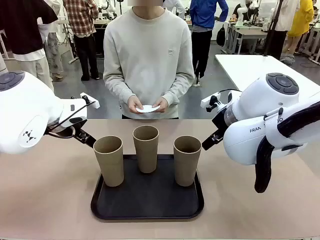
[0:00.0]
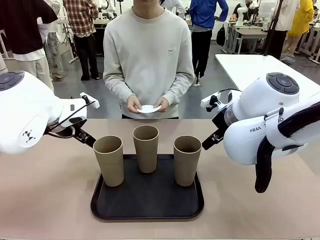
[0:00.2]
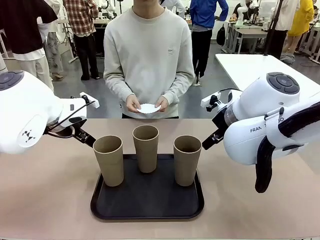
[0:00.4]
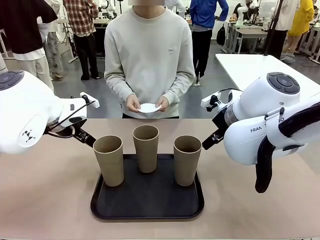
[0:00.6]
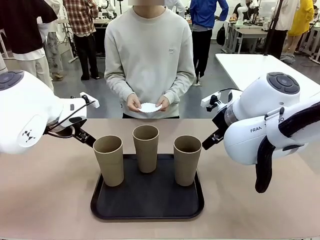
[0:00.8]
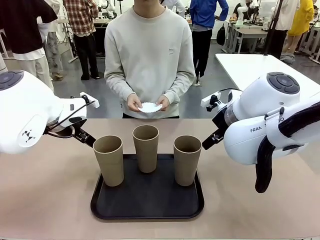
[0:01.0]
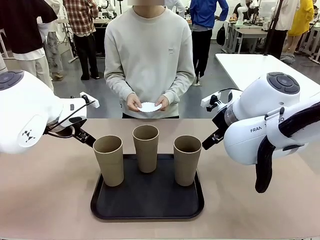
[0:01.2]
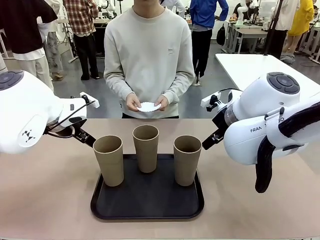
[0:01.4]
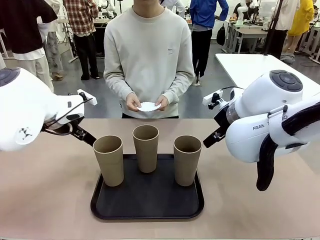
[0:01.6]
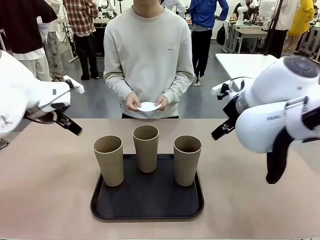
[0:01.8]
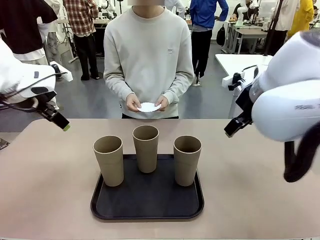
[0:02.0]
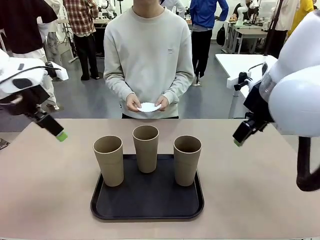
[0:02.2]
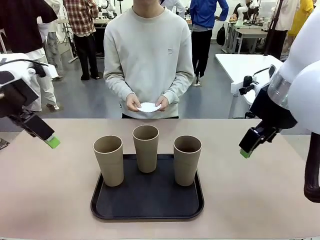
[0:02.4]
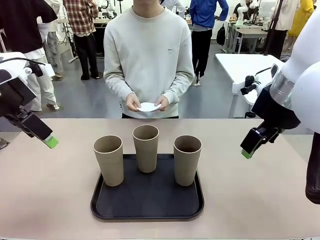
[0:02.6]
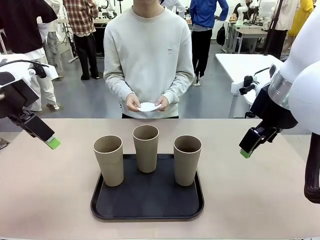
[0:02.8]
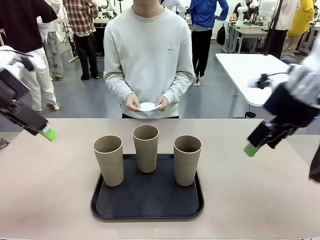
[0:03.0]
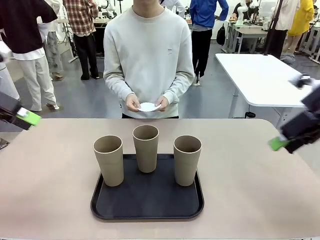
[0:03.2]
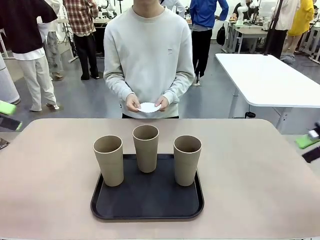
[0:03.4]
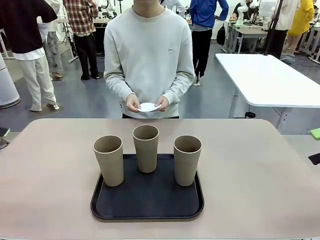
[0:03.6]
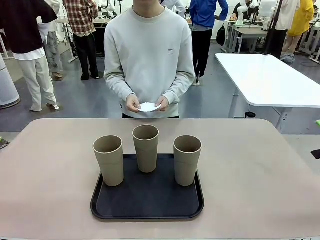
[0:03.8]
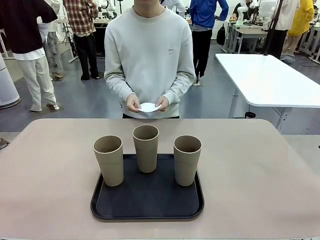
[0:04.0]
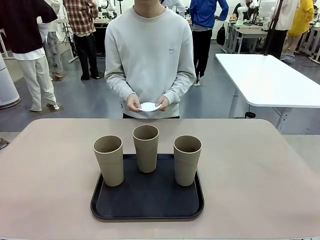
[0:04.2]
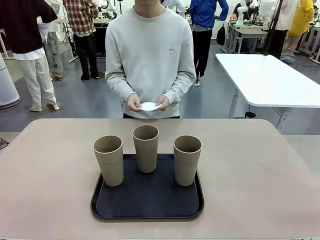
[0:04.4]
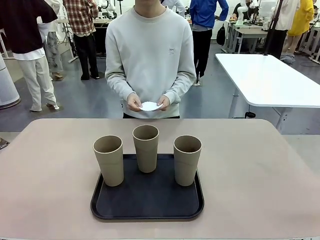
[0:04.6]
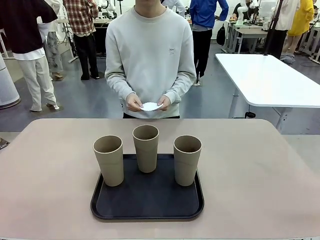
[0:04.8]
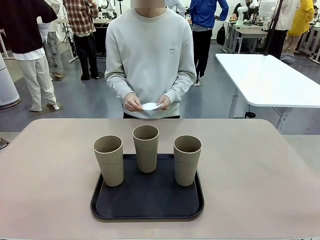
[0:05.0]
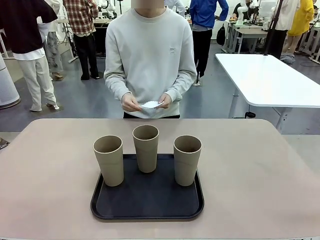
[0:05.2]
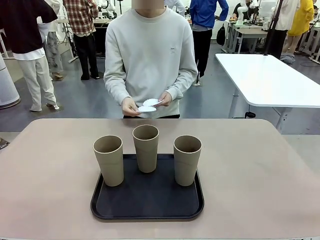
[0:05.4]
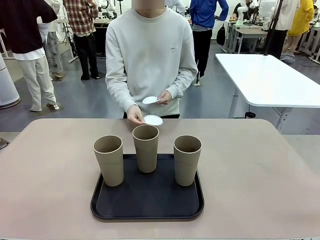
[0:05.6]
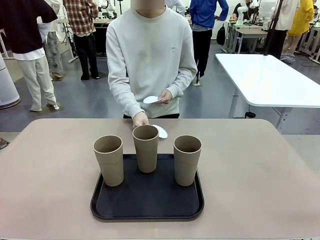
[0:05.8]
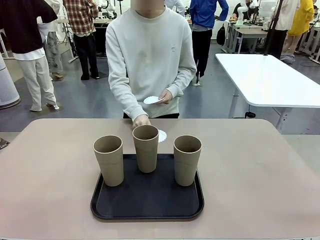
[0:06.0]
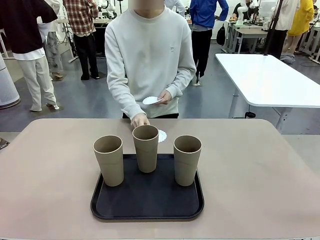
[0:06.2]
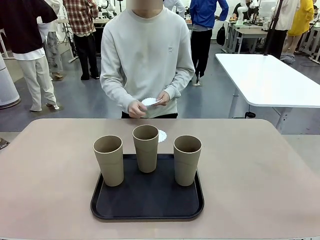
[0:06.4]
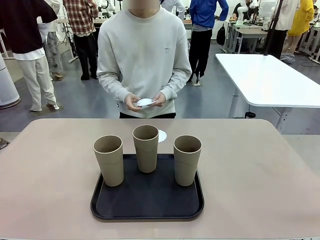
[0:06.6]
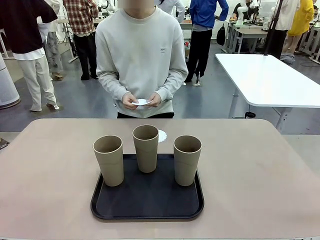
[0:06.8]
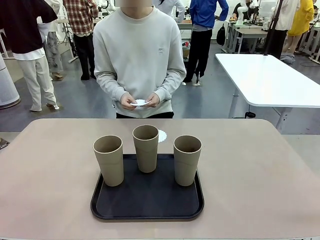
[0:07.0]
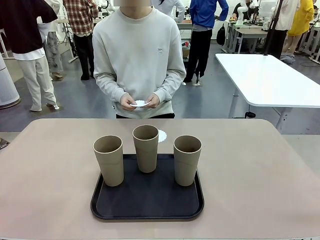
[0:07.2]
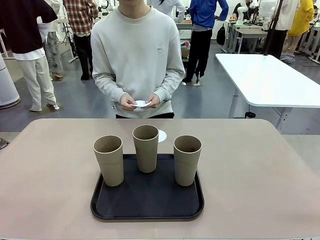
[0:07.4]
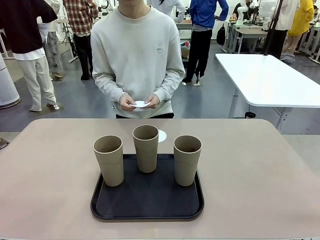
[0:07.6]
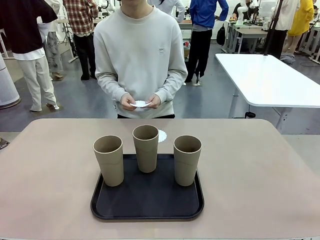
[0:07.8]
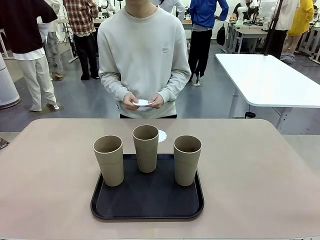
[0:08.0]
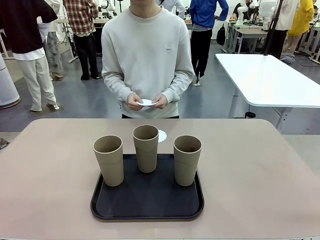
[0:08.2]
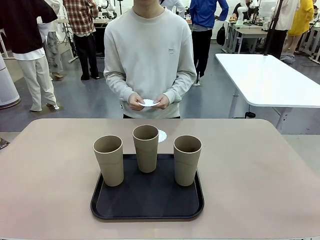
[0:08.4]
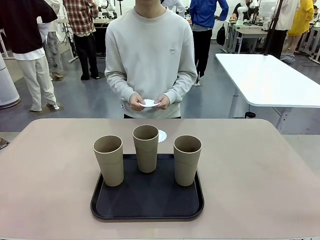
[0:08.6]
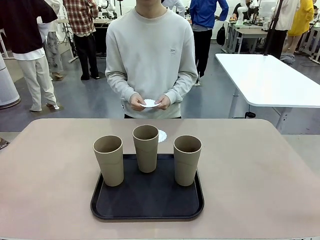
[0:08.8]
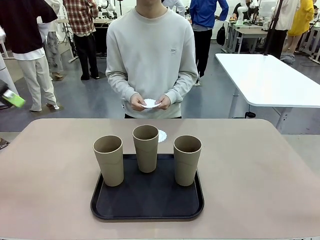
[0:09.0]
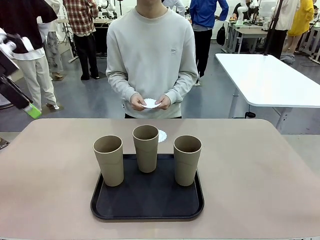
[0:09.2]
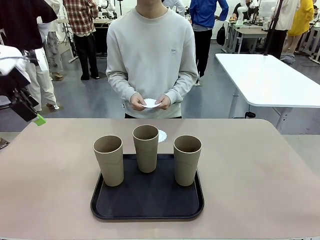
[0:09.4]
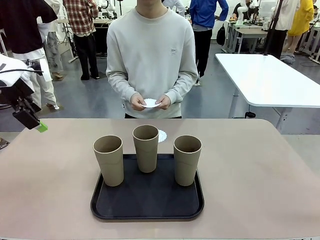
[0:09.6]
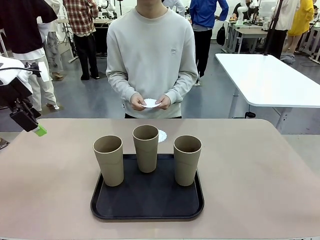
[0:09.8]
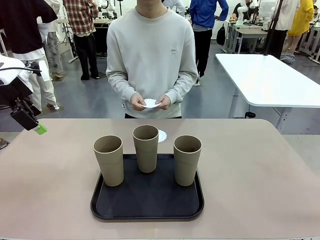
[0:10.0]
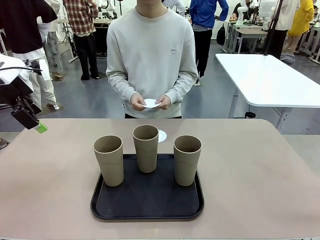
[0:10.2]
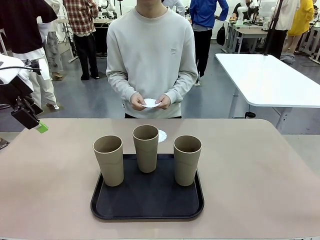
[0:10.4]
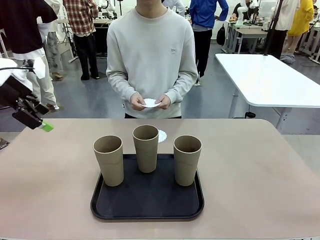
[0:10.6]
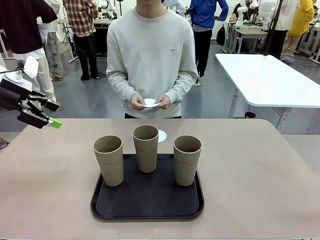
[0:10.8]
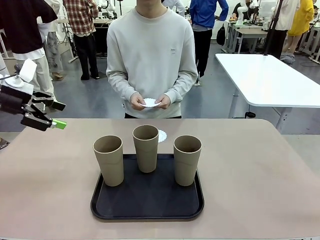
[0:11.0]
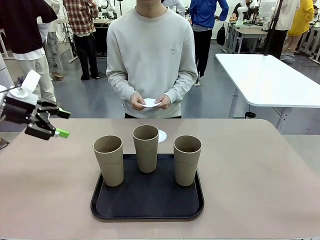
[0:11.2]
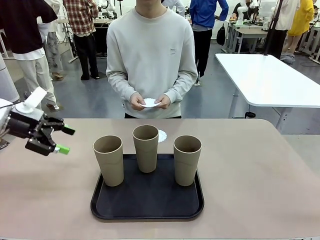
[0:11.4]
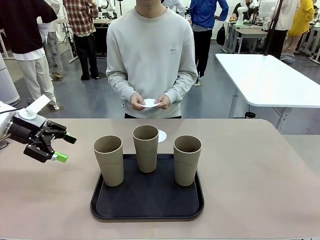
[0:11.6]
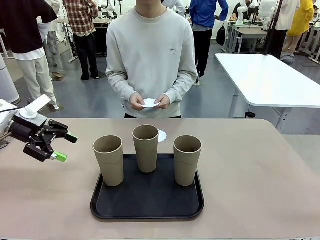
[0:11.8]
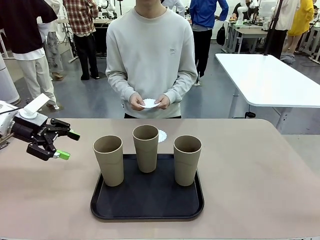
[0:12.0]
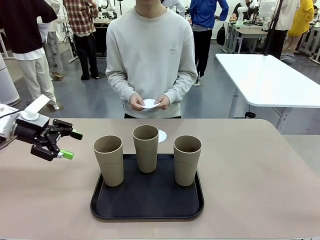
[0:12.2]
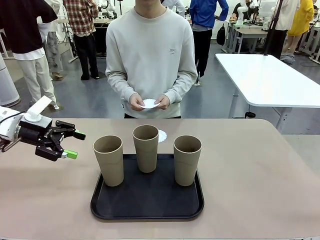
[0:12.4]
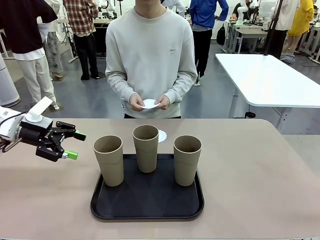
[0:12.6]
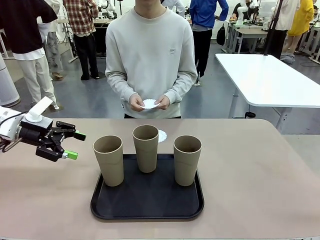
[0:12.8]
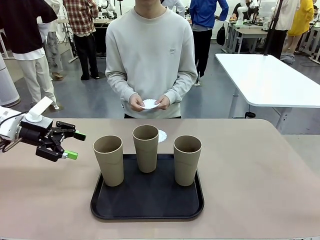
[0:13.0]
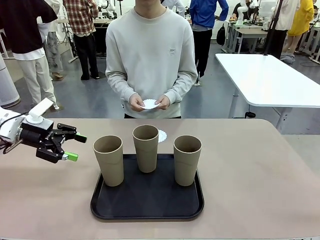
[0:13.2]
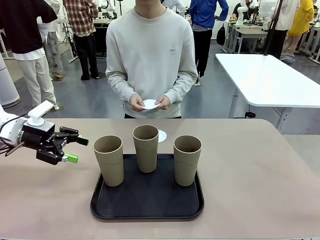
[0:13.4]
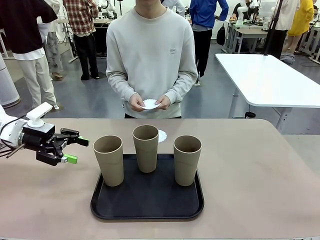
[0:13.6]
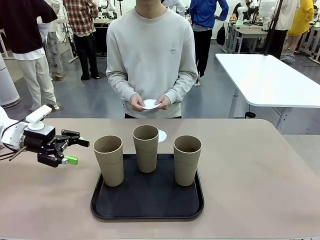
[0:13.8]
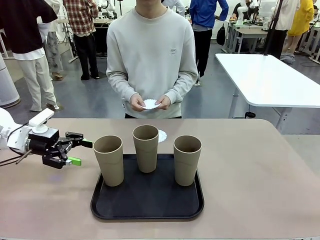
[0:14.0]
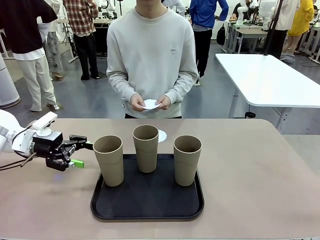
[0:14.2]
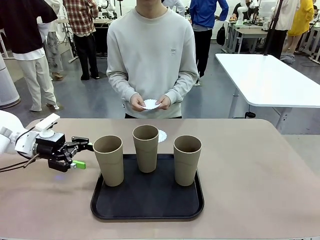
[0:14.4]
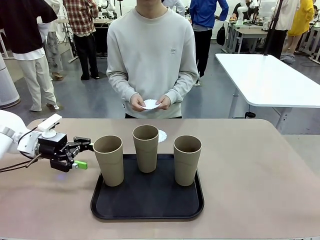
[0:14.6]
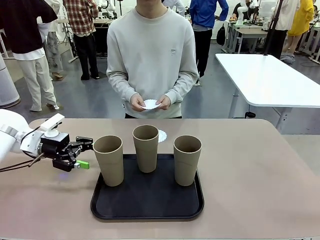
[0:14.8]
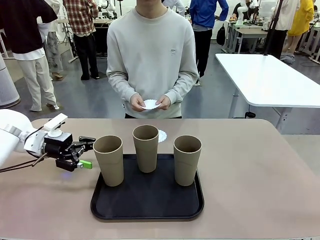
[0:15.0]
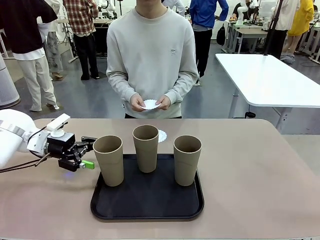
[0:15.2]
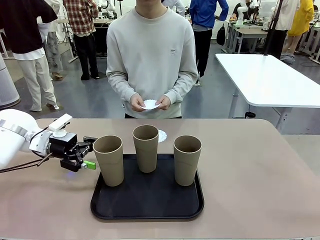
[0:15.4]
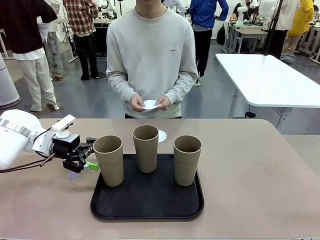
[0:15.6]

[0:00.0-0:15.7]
Task: Place coasters on the table and set cups on them.
Robot: Pick up one Reusable plastic cup and place it on a coaster set by the human.
Person: Place one coaster in any one of the three lower areas of the robot table (left, center, or right).
